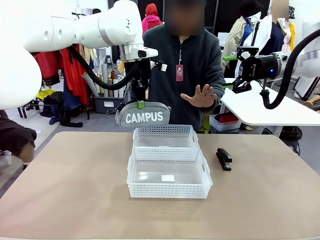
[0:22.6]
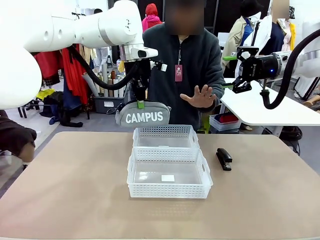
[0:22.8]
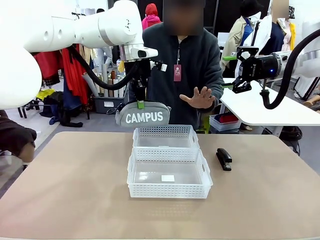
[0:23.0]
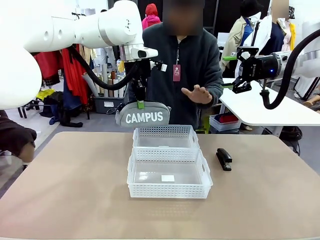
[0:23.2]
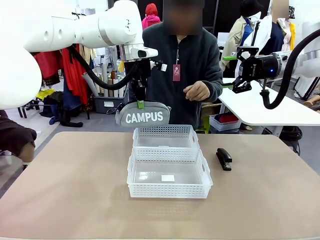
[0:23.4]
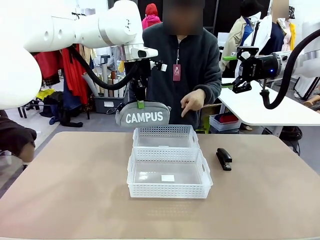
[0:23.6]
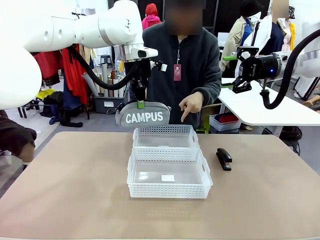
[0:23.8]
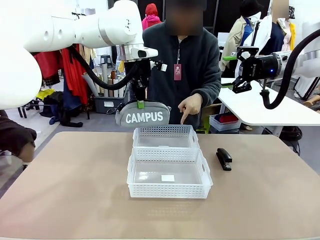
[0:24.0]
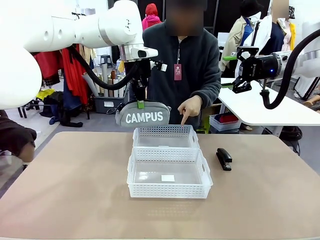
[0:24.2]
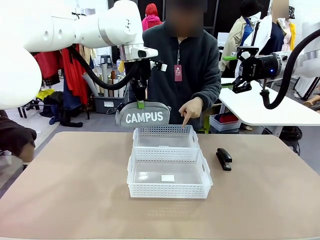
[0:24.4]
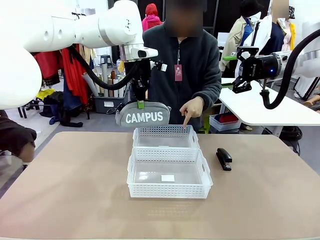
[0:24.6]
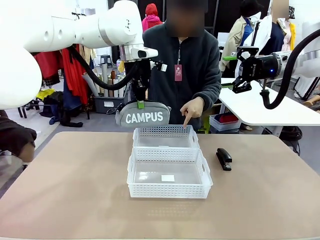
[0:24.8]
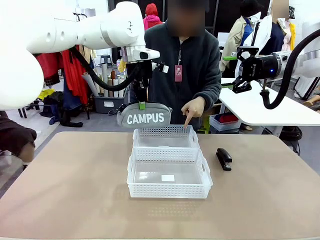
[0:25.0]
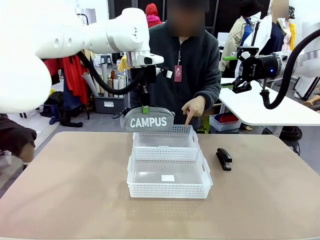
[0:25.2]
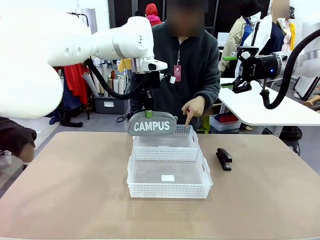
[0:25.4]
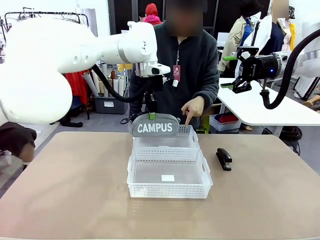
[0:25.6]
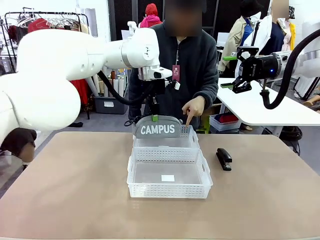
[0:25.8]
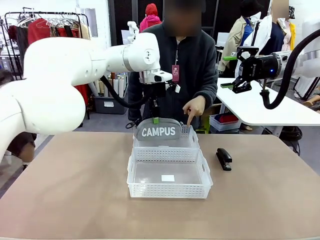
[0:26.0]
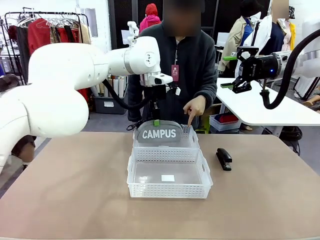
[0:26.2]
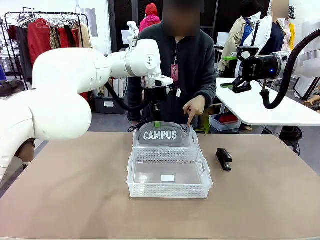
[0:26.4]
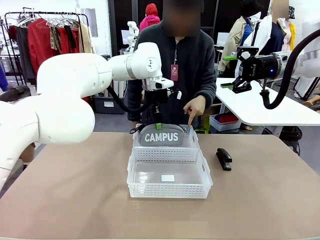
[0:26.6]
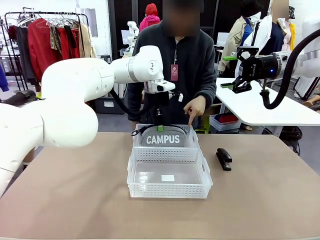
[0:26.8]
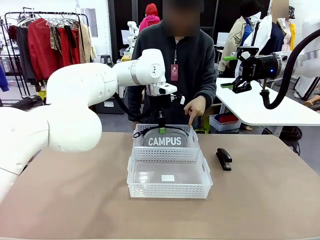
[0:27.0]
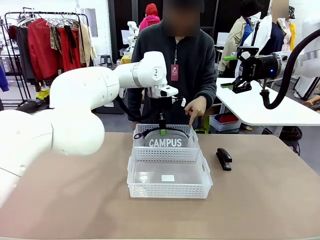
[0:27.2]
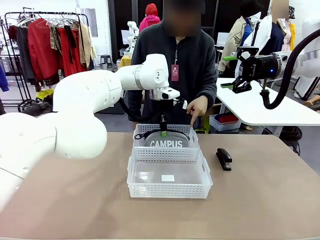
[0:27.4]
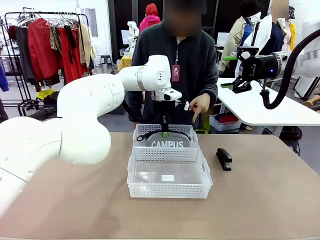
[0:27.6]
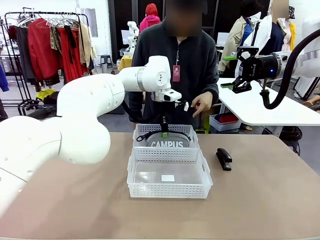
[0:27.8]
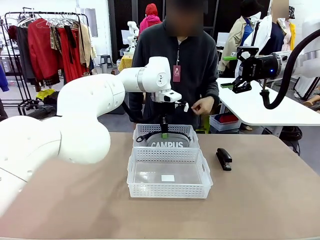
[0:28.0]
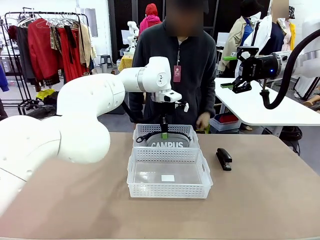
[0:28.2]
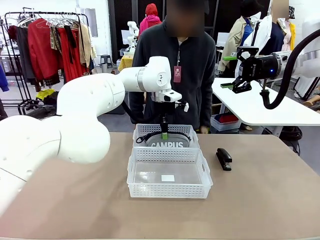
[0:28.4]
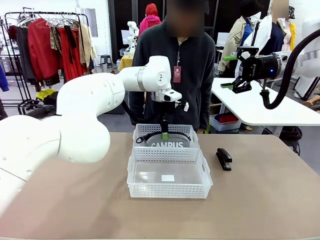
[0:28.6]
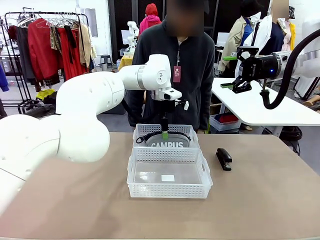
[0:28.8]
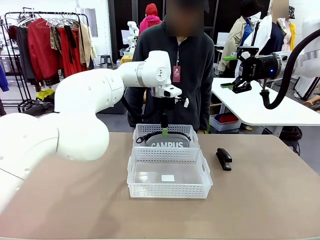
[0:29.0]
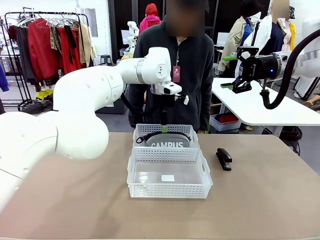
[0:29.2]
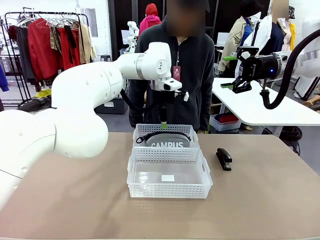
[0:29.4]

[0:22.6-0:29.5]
Task: Distribute items into two baskets.
Robot: Place the picked Pencil pouch into the Organizing basket as instructed by the person.
Person: Instructs the robot to place the pencil case into the opposite basket.

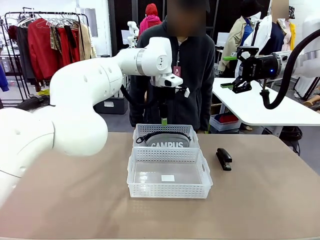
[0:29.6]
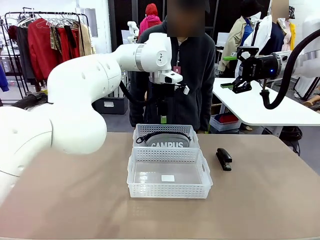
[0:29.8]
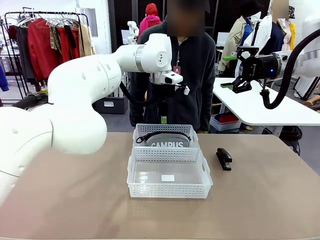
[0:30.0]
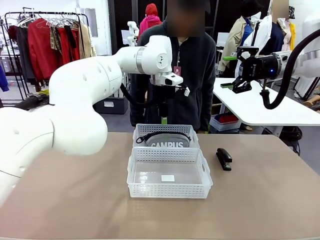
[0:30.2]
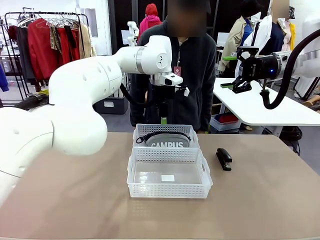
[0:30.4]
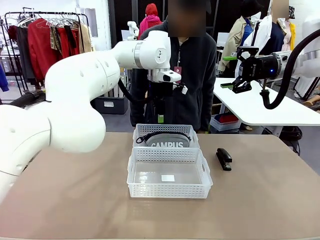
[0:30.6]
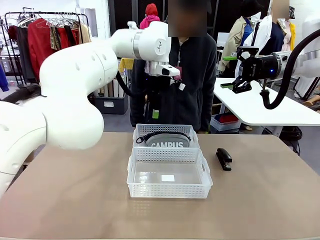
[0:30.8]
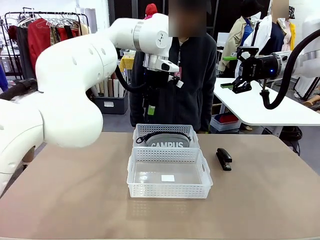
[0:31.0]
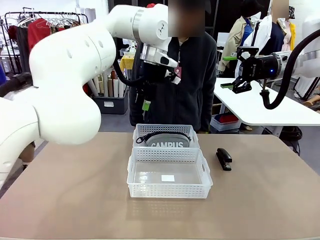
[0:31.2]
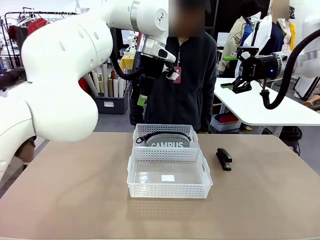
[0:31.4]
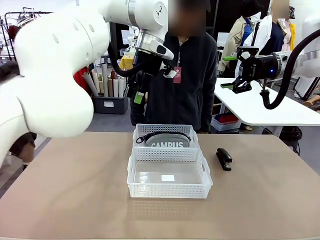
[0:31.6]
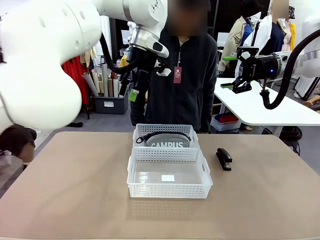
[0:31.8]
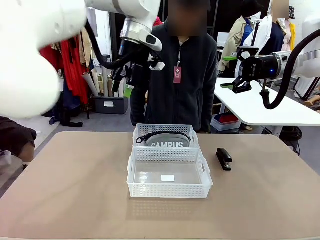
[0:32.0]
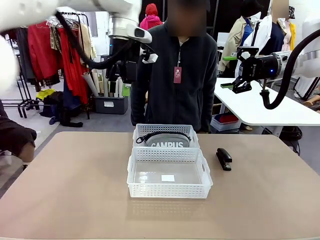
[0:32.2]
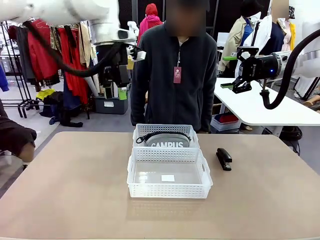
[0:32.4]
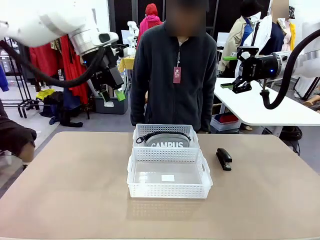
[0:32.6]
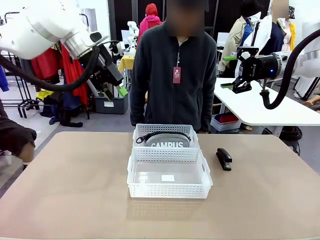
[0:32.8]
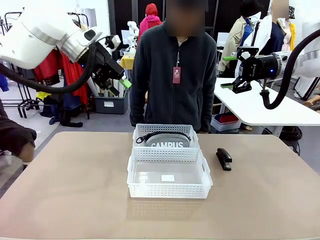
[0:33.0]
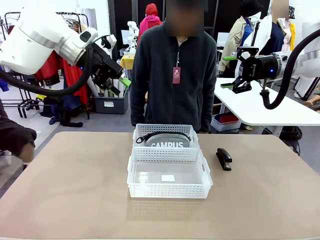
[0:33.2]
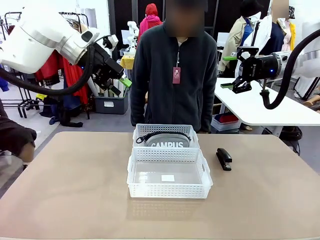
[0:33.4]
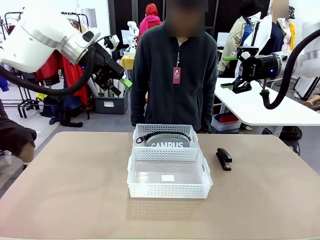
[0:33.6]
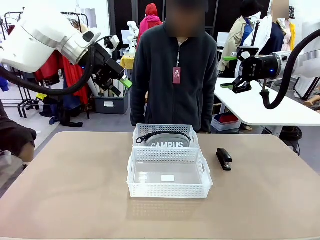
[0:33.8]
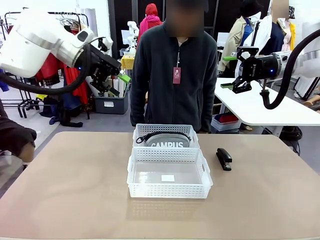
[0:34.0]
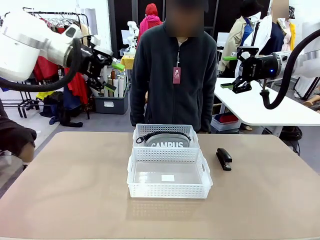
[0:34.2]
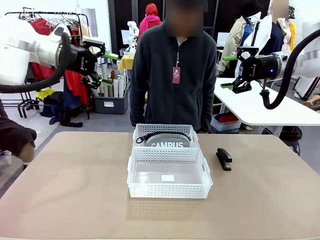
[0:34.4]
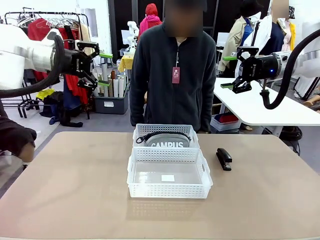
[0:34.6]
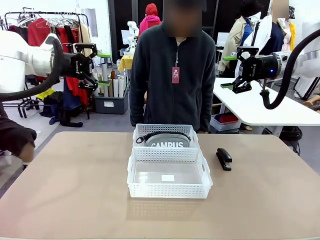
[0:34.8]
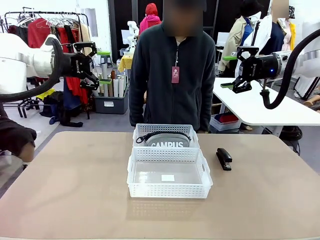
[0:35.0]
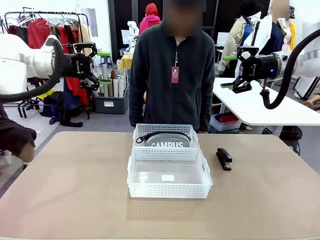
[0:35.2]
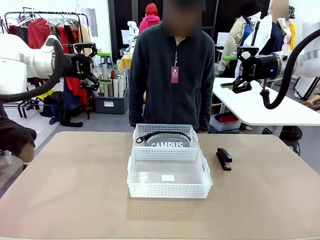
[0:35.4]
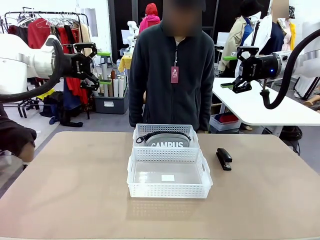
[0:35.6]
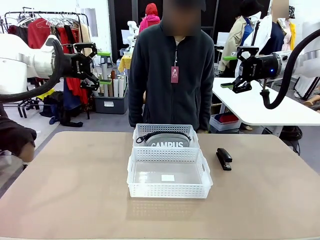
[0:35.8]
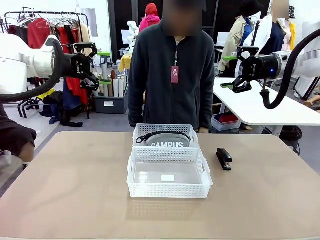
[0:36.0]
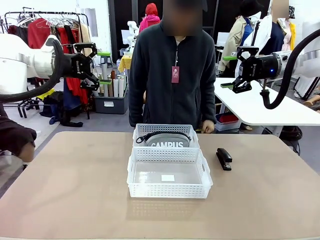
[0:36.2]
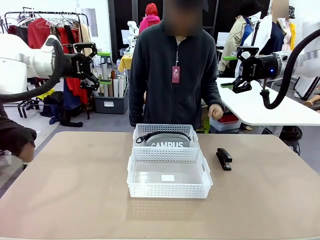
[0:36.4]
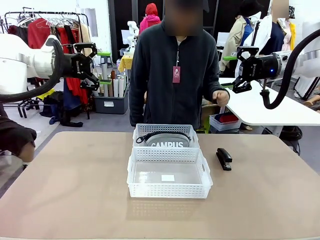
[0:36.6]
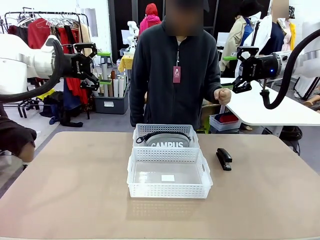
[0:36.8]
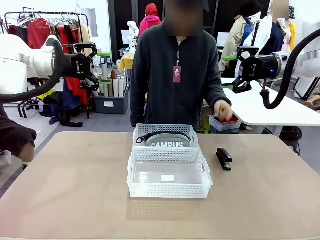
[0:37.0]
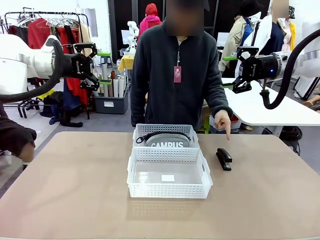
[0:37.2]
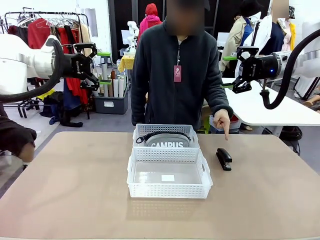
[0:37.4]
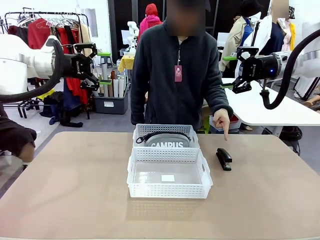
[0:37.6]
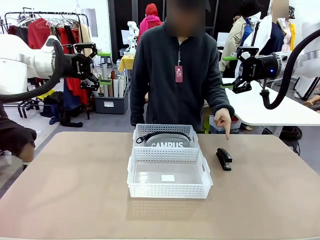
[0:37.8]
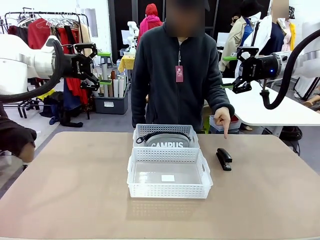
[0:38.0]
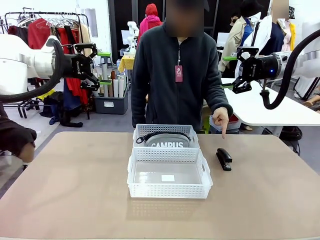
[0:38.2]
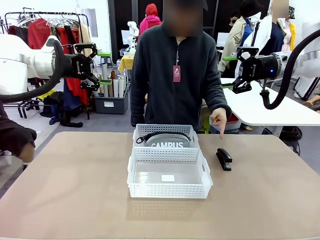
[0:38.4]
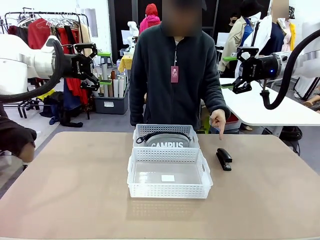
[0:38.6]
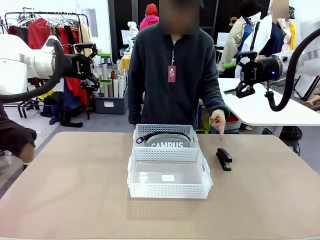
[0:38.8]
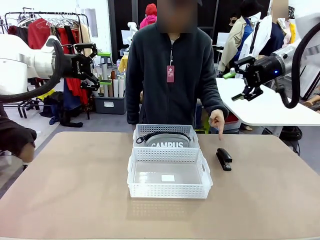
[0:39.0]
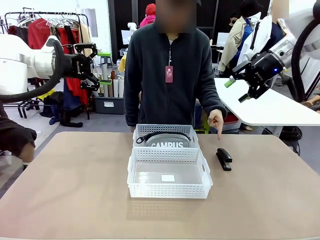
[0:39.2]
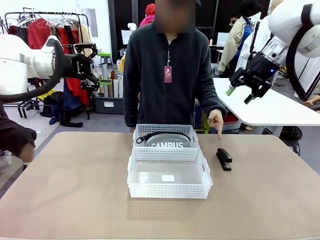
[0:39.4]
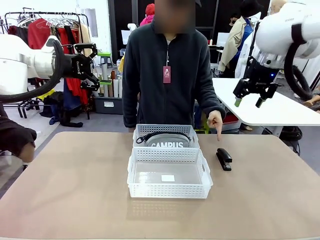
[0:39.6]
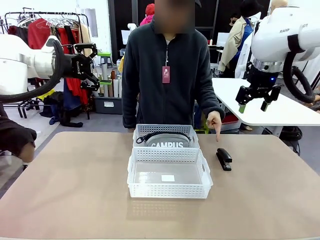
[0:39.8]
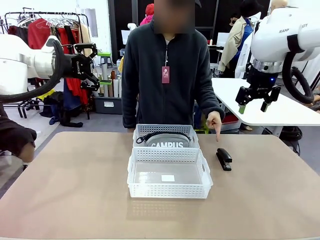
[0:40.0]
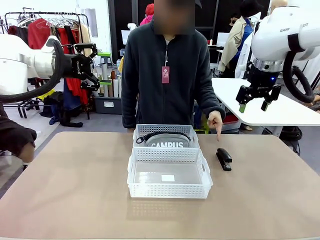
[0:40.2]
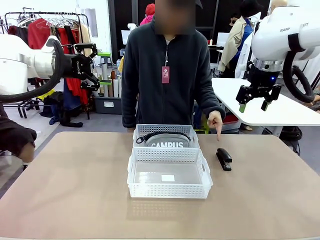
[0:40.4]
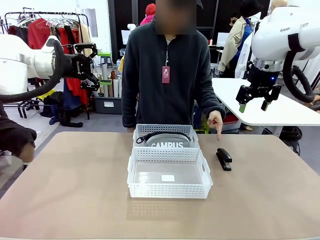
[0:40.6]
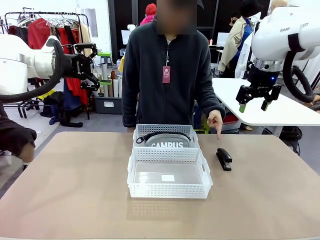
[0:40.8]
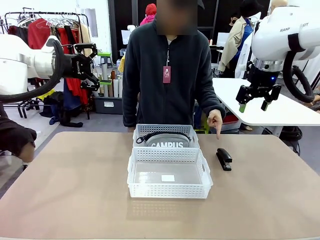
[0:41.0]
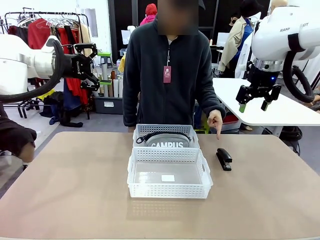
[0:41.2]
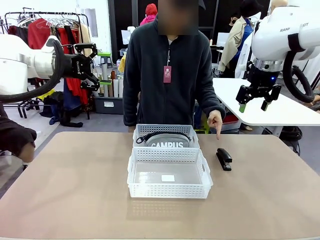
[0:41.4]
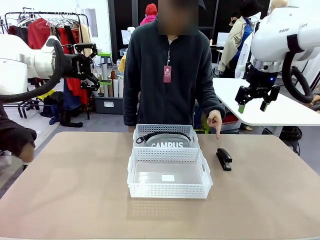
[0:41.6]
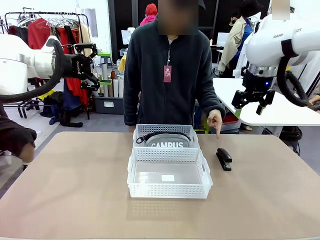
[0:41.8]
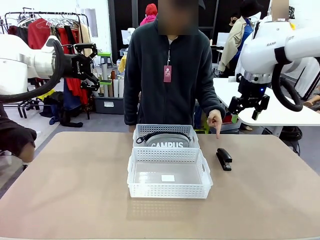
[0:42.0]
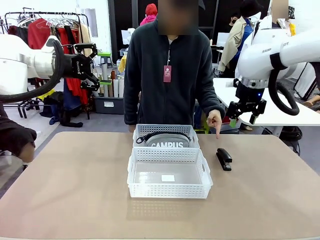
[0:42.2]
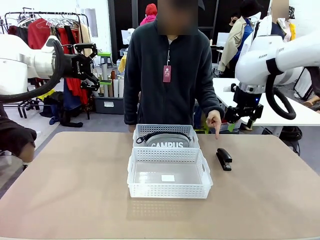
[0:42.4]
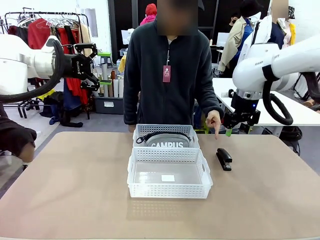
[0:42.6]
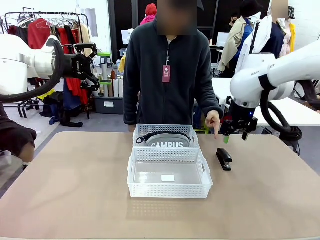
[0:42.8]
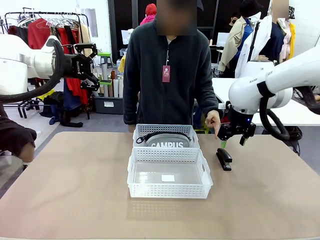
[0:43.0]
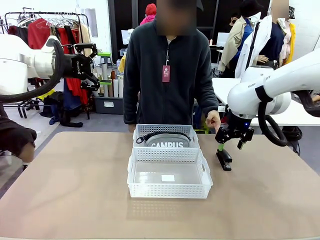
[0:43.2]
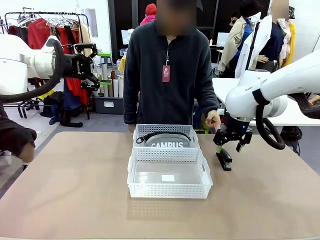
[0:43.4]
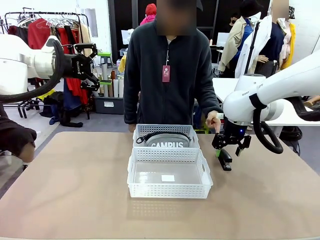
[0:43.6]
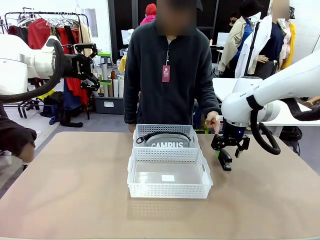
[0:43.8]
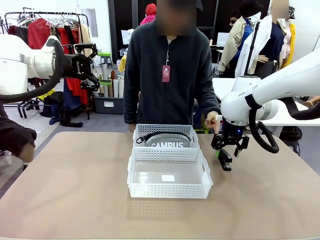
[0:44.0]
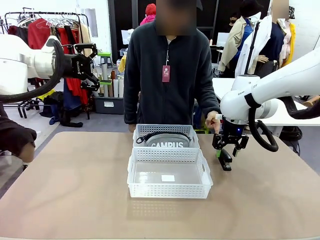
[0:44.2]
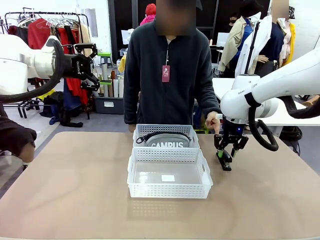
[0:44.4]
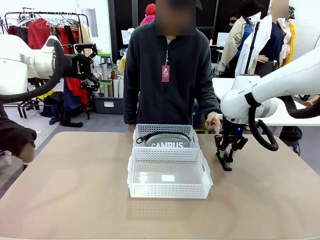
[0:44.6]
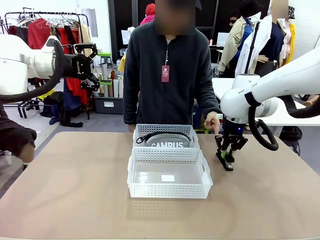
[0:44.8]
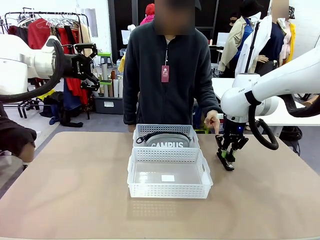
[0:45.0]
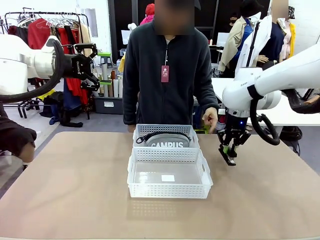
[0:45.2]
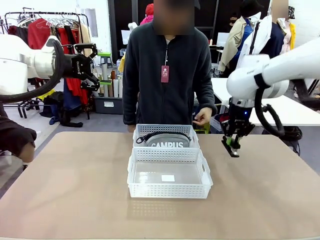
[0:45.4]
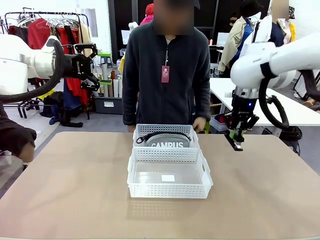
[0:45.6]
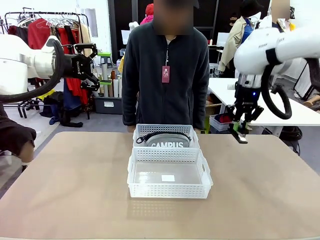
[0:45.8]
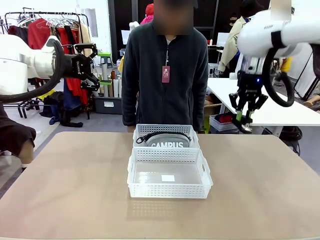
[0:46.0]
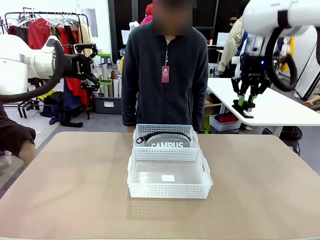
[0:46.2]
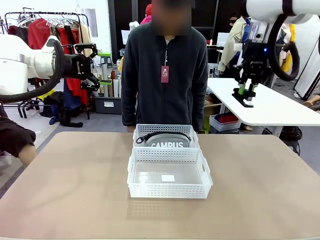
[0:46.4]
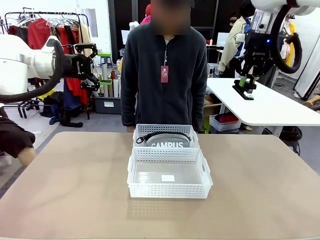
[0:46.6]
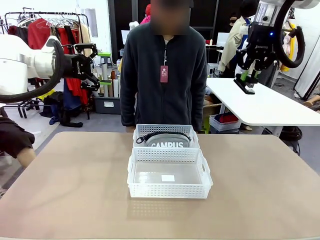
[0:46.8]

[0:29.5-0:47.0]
Robot: Pick up the Stapler that the person points to.
Person: Points to the stapler.
